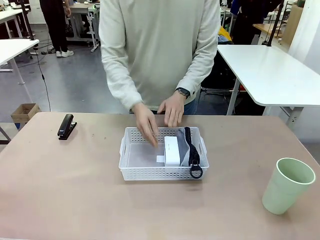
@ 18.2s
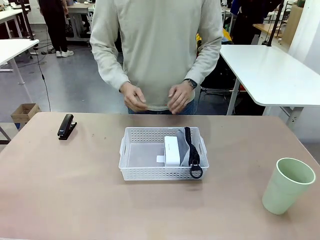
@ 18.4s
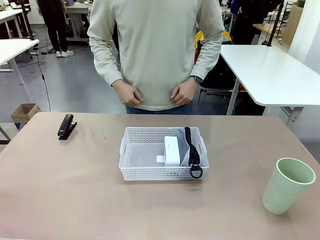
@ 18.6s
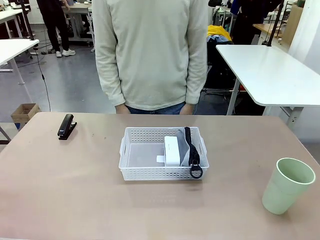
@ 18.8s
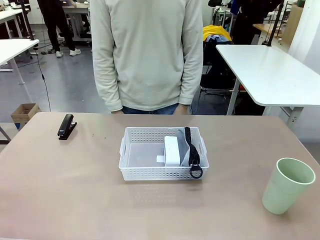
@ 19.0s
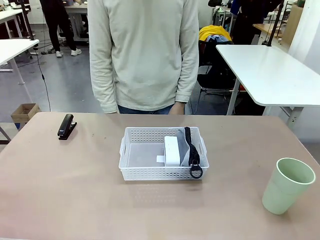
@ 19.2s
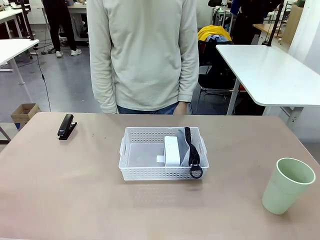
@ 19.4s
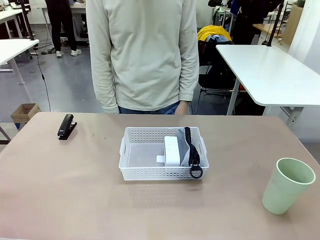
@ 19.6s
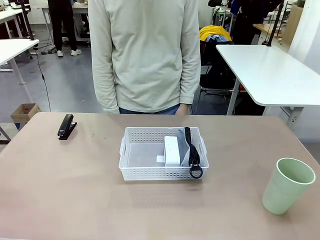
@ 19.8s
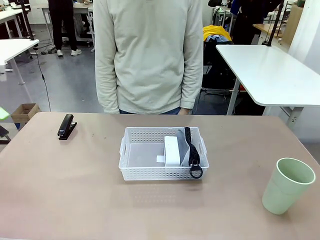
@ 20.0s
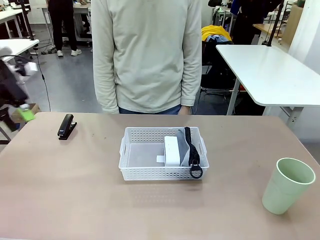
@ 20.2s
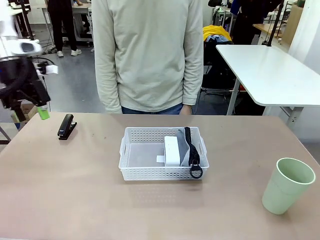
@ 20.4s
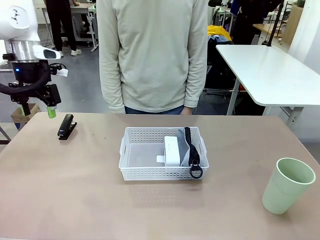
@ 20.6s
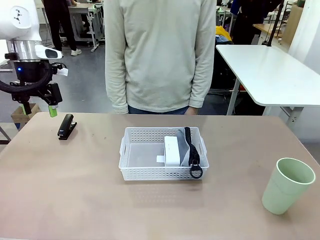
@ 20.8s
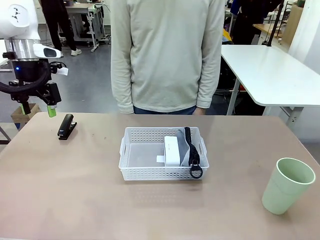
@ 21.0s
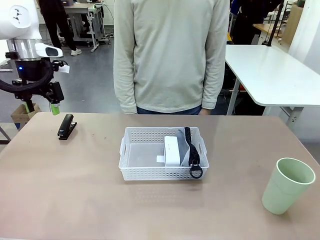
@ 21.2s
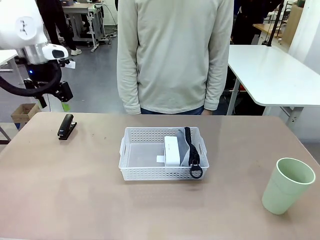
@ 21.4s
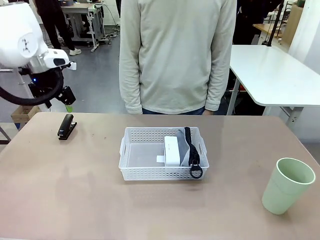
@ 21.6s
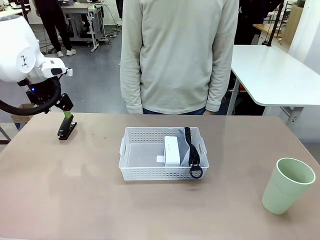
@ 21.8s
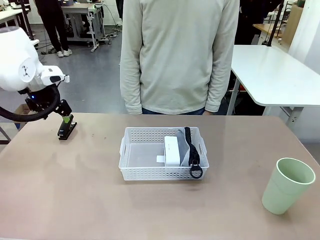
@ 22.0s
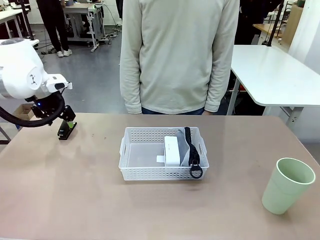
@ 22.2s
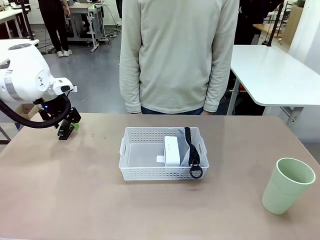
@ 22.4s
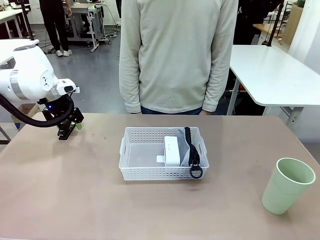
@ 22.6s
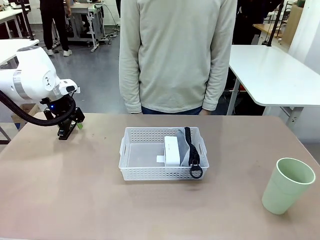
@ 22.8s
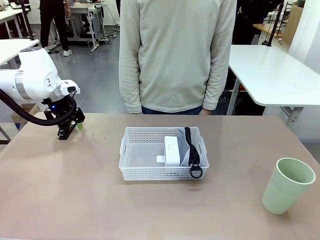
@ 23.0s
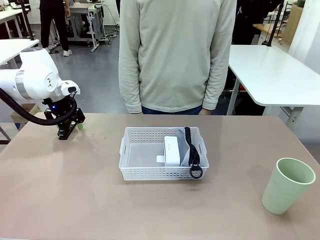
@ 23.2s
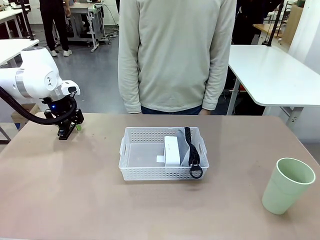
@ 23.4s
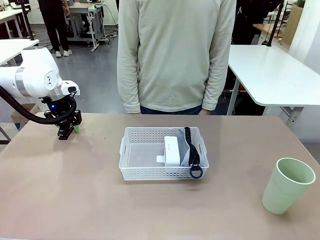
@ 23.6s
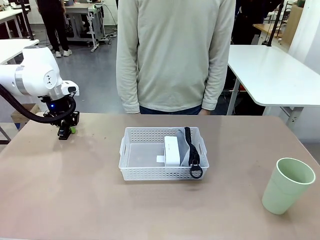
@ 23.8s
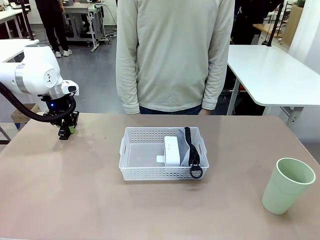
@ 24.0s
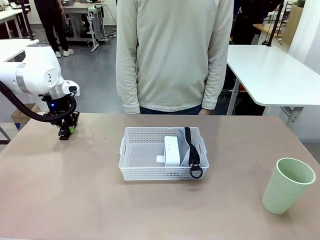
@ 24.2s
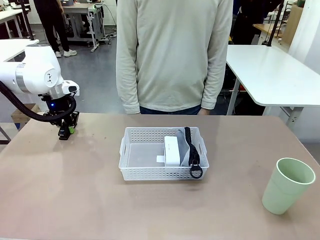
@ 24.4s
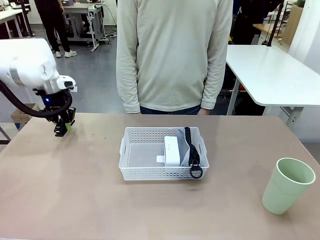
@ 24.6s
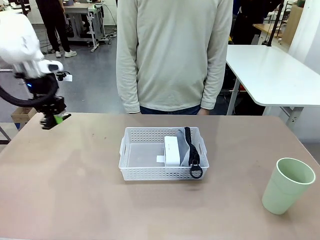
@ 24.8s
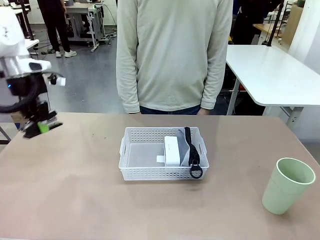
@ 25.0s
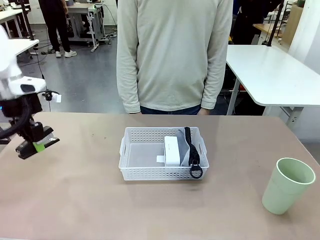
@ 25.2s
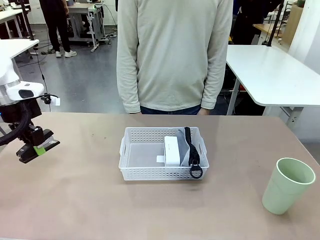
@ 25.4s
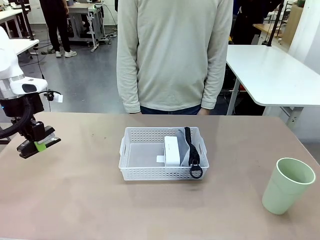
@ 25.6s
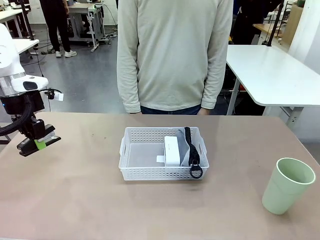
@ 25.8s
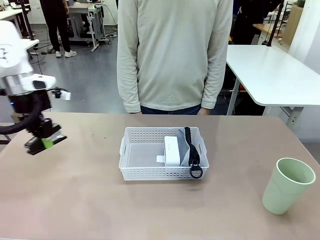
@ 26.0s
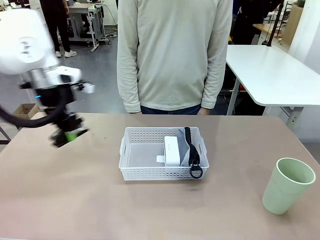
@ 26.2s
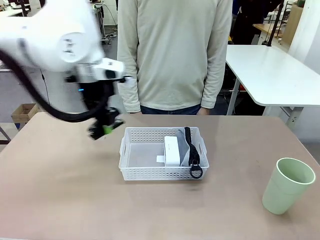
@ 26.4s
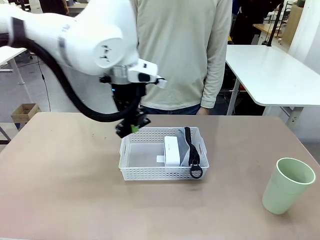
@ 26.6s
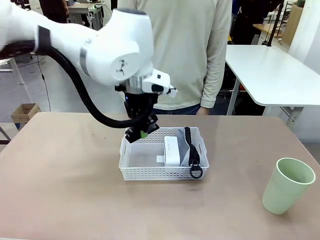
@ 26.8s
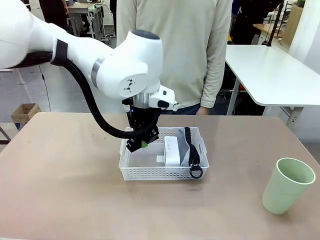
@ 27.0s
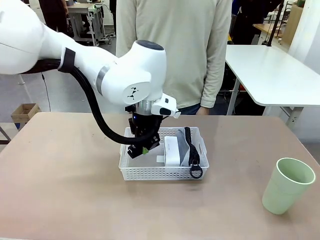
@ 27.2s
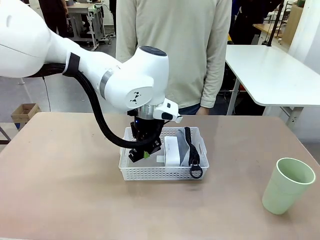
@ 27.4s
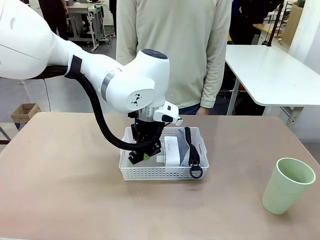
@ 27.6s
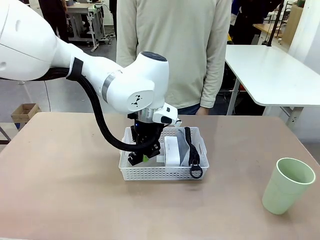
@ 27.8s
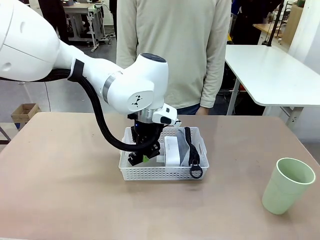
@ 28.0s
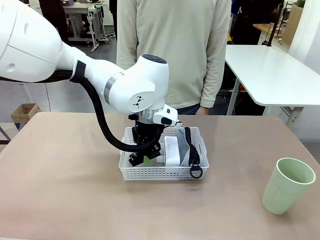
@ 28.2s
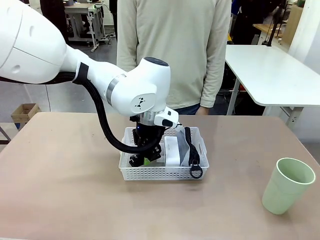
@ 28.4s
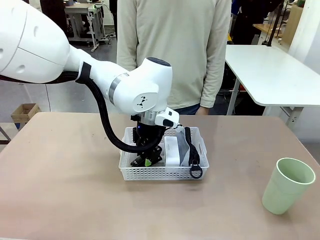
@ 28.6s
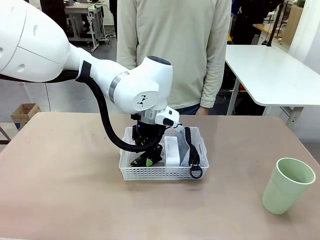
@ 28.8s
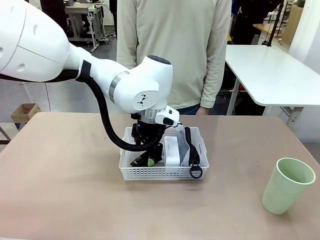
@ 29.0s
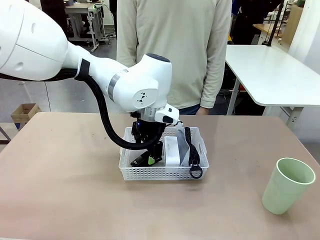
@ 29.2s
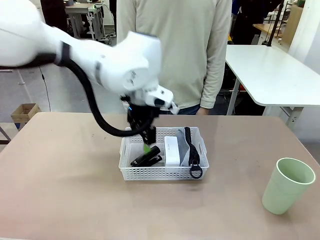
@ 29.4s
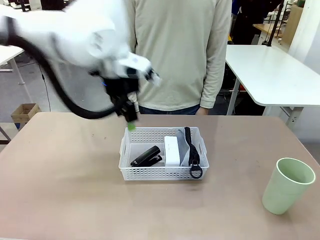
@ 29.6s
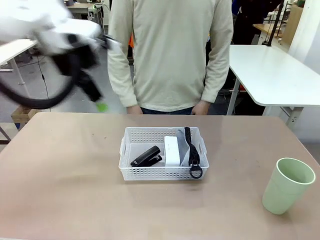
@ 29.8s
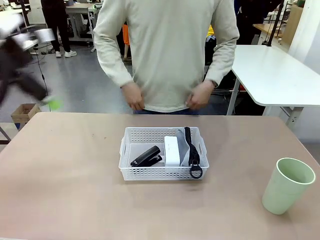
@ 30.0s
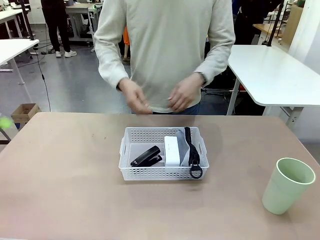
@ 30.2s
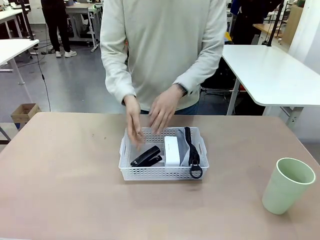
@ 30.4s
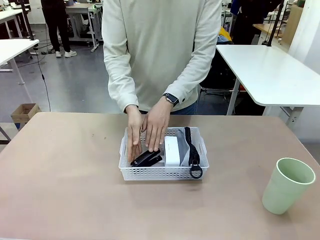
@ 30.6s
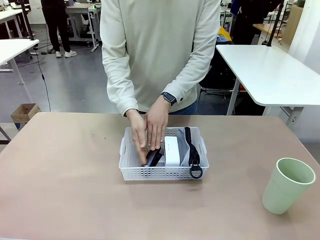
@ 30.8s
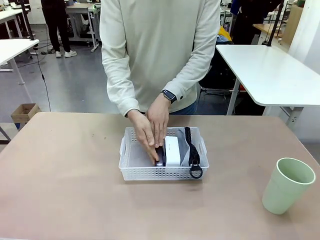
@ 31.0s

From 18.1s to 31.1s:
Task: Efficiently arrange items inside the basket to fit them all.
Robot: Pick up the Stapler and place it inside the Organizing basket.

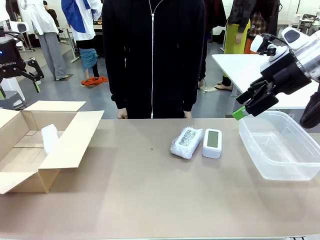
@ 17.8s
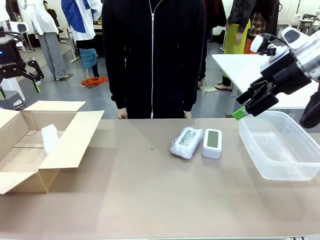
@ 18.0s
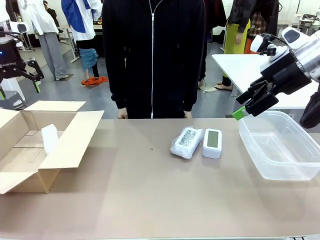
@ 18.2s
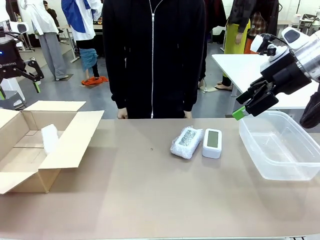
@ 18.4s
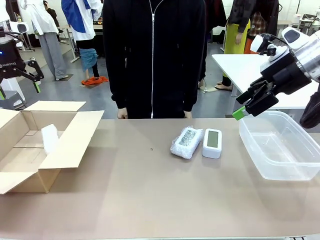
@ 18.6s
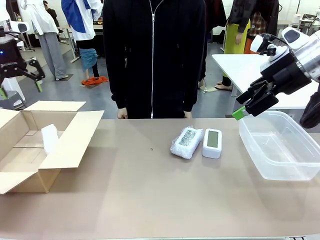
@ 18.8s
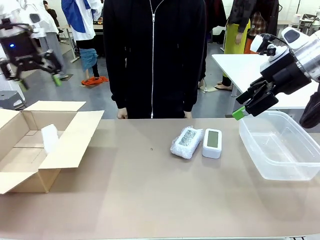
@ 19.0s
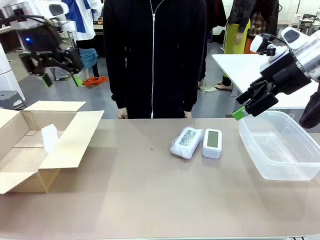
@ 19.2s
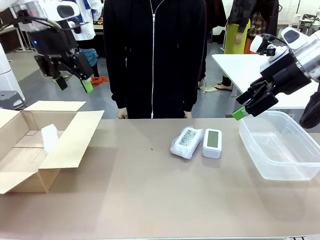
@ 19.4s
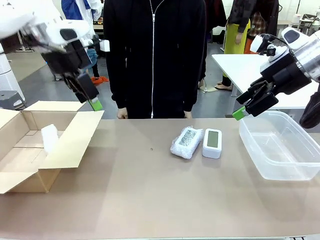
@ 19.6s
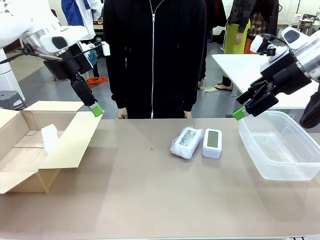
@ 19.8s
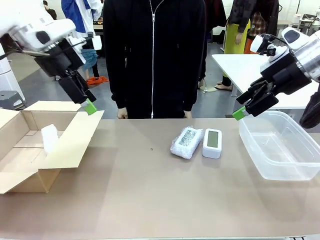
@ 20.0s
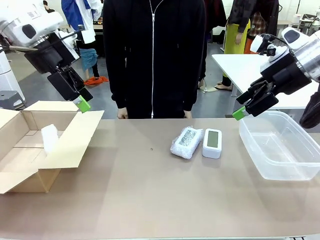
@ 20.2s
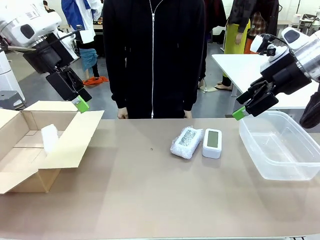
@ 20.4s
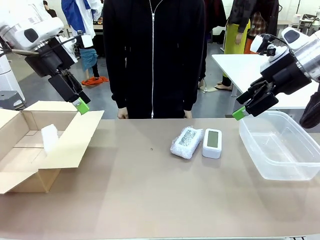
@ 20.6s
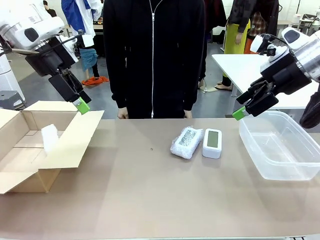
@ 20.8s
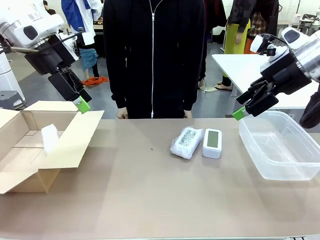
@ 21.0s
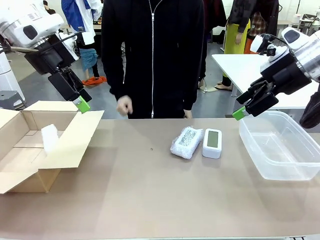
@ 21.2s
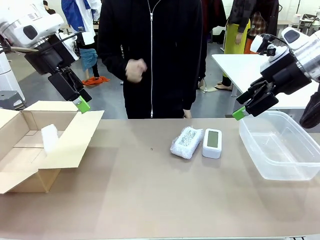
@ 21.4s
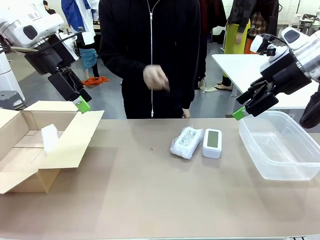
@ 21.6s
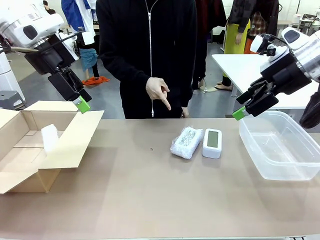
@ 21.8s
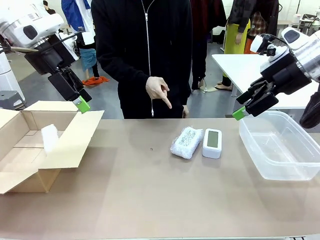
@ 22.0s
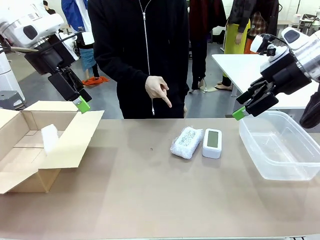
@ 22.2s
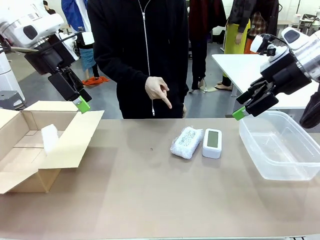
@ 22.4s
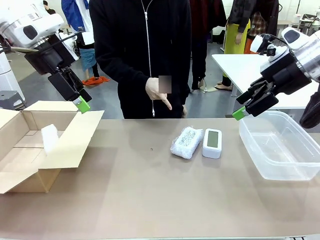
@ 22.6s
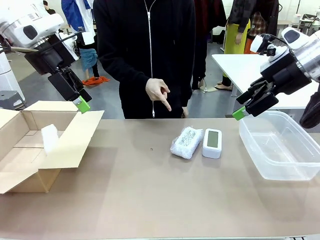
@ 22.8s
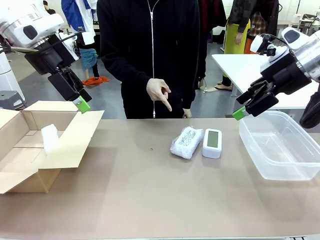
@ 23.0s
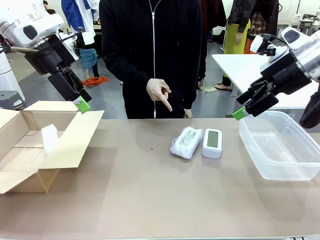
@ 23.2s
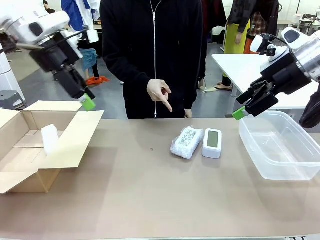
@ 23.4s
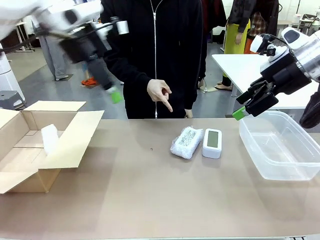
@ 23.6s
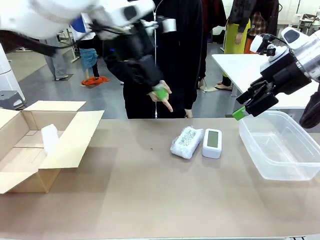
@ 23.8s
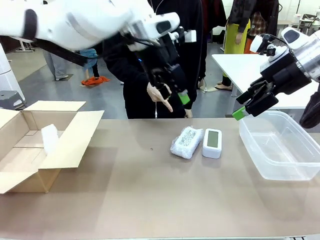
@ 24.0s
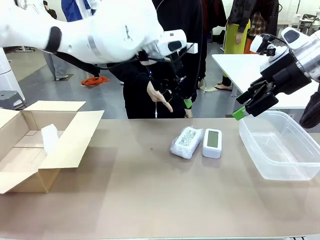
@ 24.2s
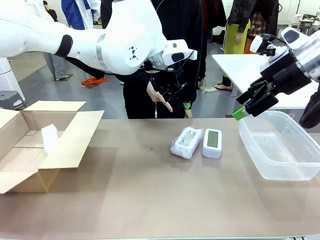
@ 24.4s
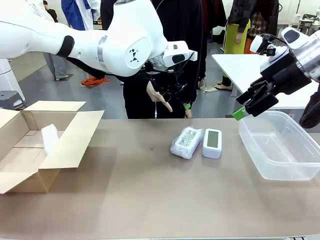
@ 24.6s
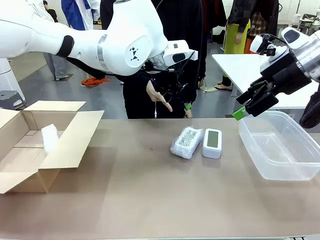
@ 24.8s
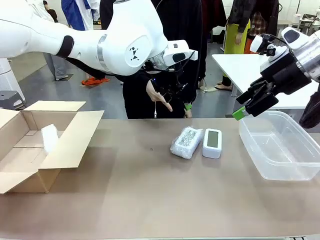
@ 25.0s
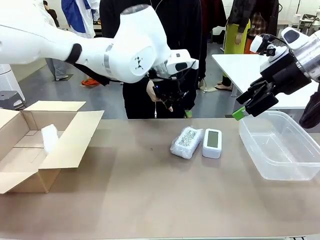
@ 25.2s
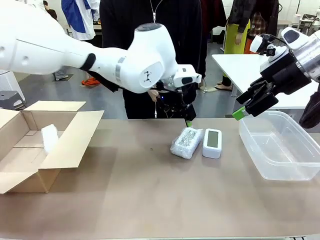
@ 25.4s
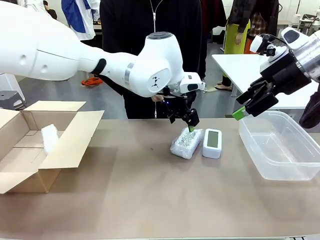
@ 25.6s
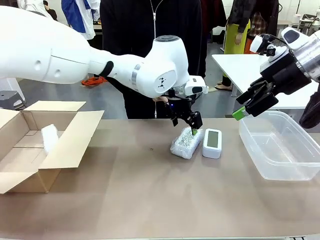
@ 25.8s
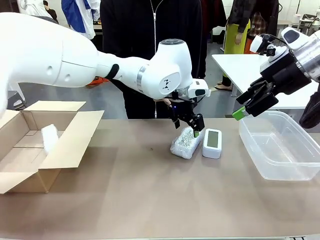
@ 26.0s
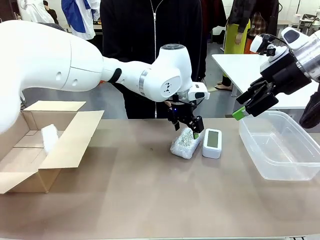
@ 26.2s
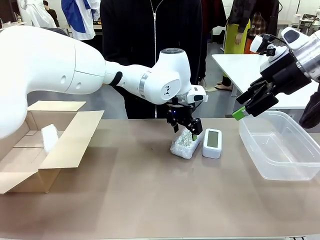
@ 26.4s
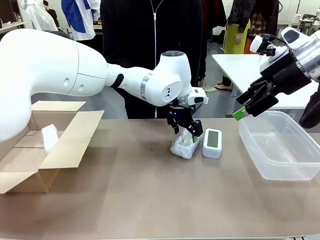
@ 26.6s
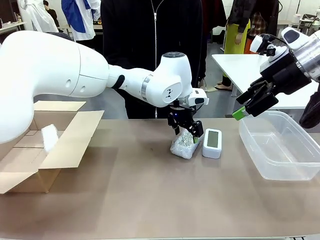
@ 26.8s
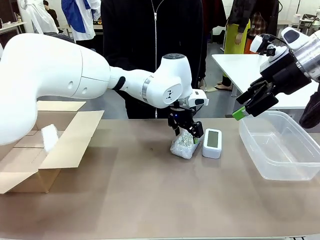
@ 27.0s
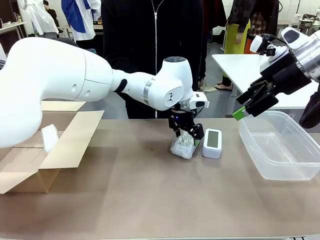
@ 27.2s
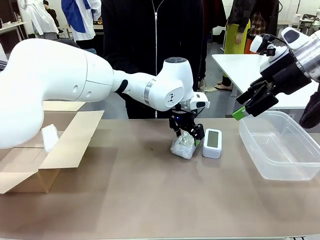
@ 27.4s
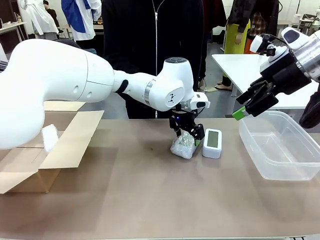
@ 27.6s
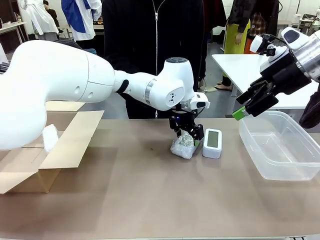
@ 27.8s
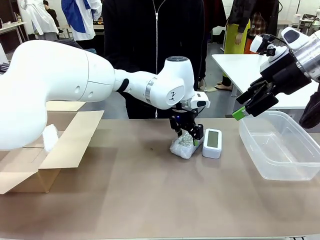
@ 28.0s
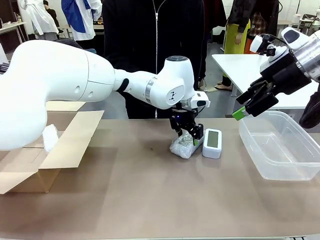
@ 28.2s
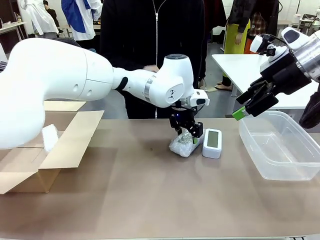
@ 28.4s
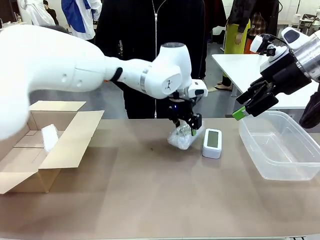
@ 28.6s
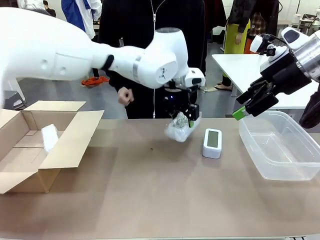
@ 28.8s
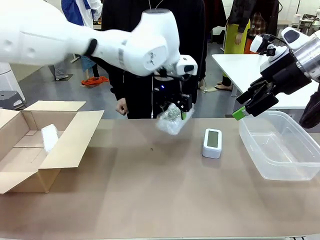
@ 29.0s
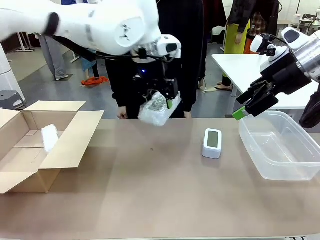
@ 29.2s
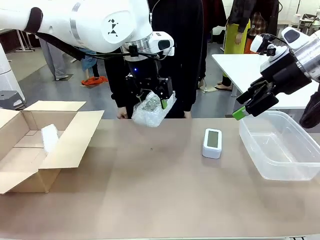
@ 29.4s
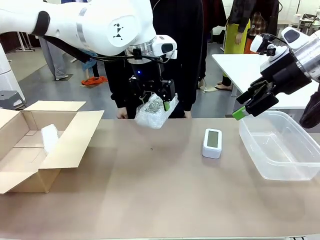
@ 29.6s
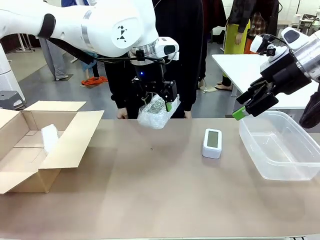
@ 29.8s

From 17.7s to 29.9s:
Task: Separate and place wrapped and unwrapped clocks.
Robot: Pick up the Digital clock indicated by the person.
